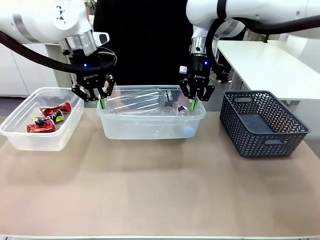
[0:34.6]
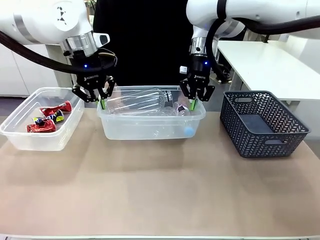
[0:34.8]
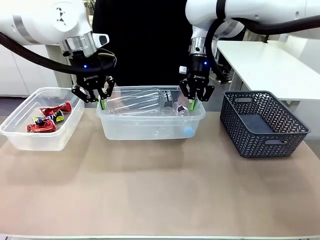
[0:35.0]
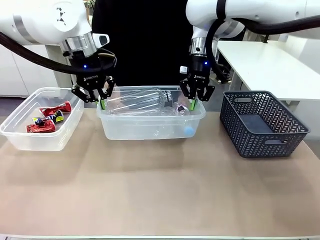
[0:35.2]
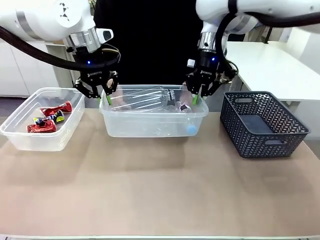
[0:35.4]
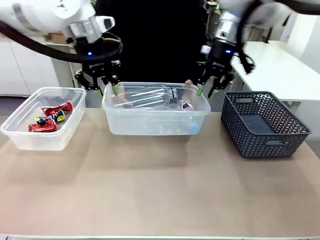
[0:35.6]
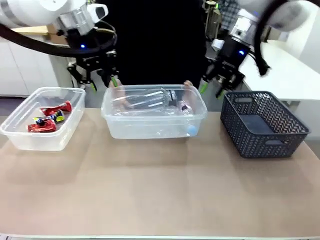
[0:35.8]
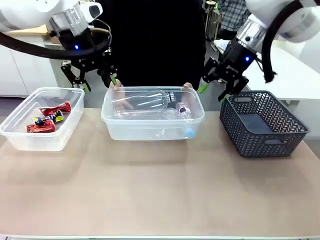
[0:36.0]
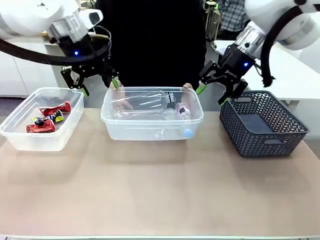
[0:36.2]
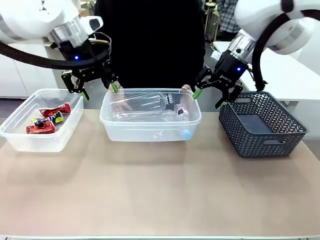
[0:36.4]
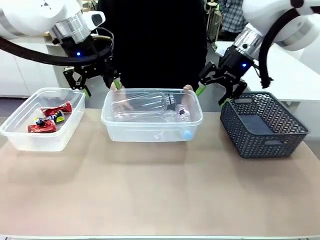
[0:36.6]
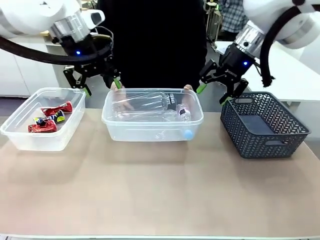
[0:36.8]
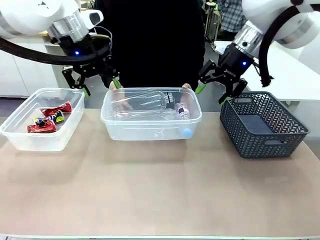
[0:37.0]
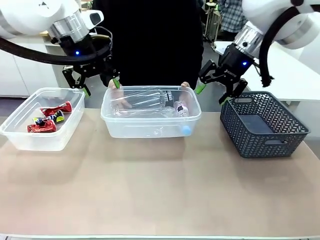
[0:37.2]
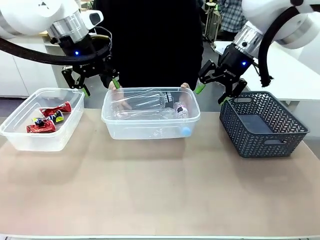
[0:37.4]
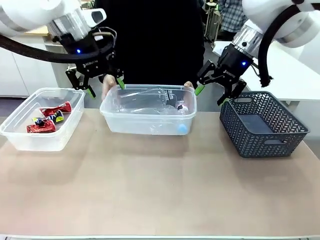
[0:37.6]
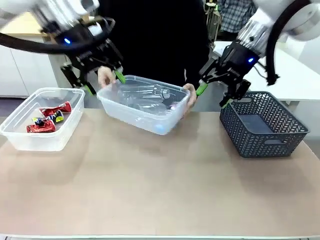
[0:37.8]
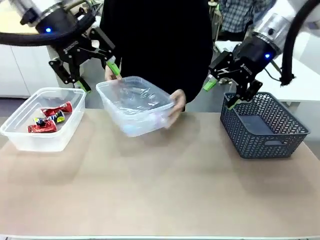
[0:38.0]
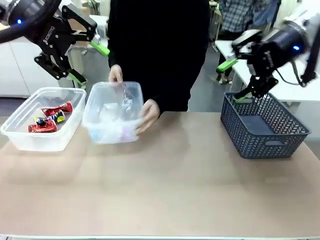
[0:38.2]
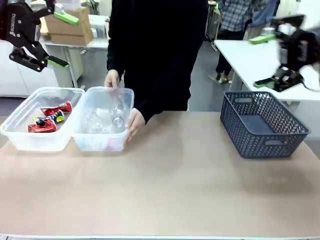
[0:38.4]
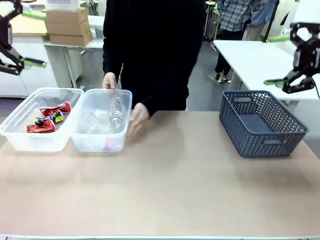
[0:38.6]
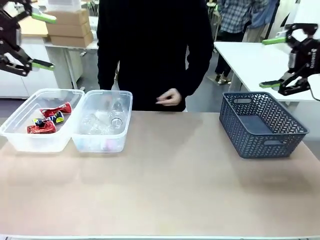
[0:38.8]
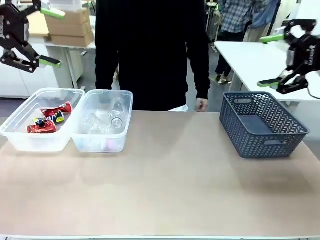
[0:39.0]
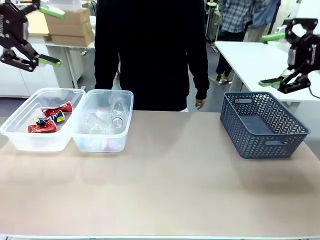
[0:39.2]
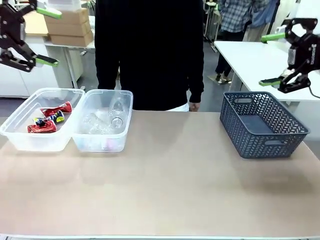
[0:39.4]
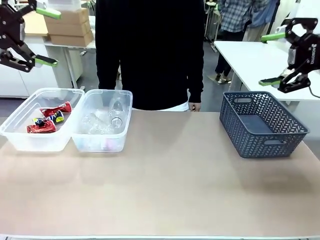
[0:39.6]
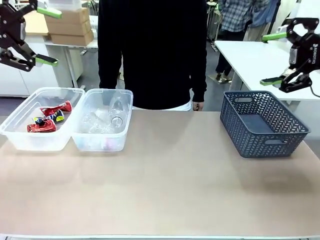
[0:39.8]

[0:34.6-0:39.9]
Robot: Release the Organizing box you were holding.
Person: Pick up the organizing box extended by the robot. Place the organizing box to the left of the sorting box containing the can waste.

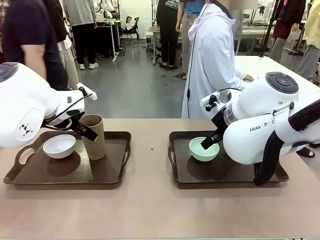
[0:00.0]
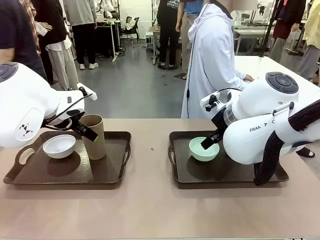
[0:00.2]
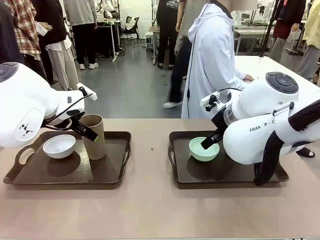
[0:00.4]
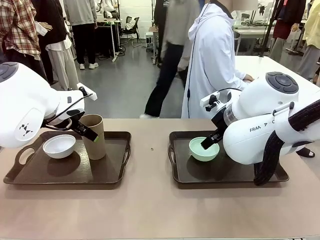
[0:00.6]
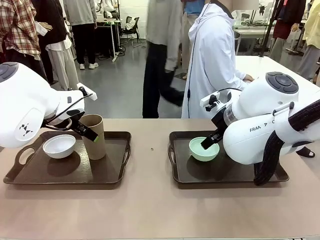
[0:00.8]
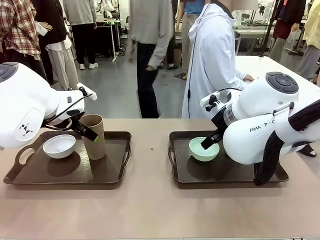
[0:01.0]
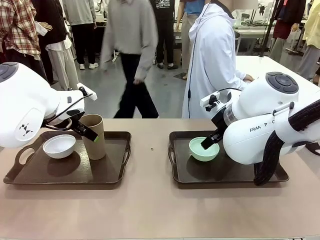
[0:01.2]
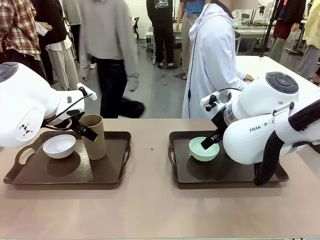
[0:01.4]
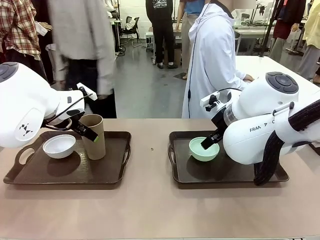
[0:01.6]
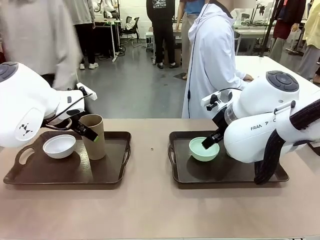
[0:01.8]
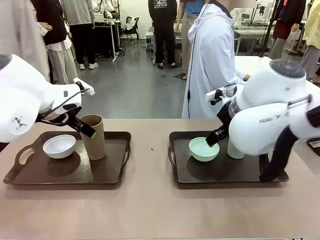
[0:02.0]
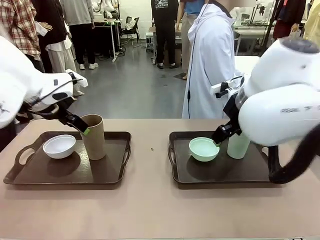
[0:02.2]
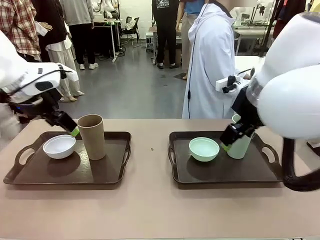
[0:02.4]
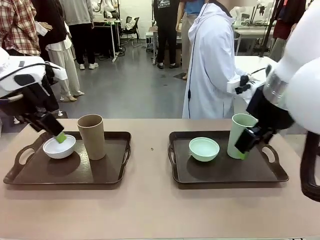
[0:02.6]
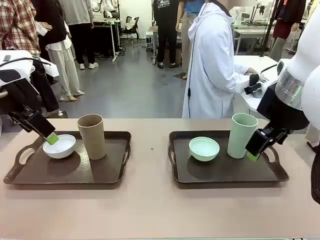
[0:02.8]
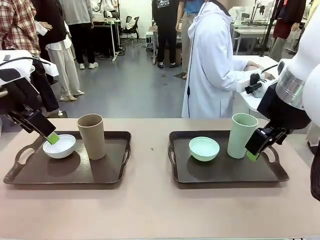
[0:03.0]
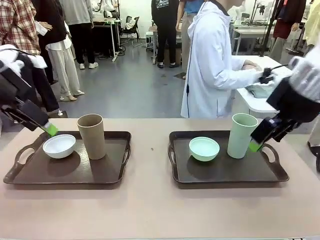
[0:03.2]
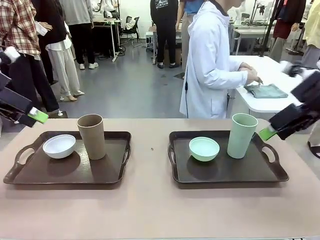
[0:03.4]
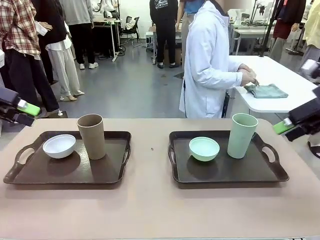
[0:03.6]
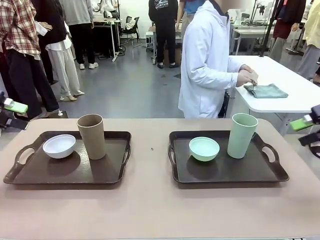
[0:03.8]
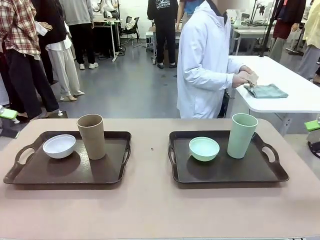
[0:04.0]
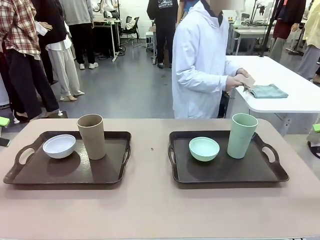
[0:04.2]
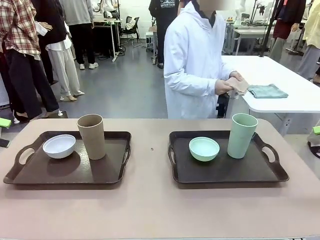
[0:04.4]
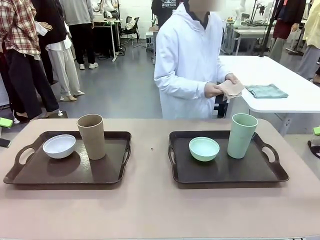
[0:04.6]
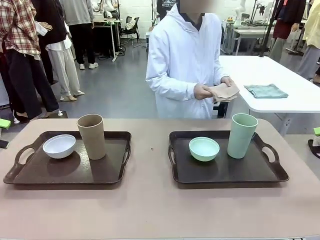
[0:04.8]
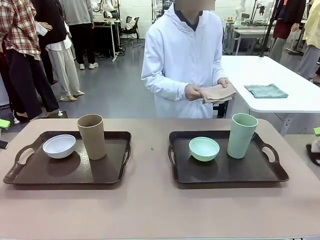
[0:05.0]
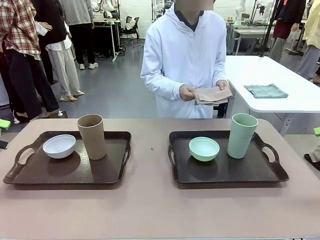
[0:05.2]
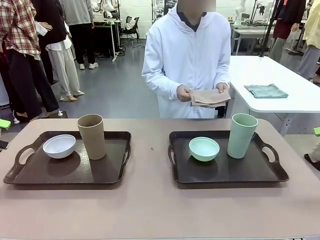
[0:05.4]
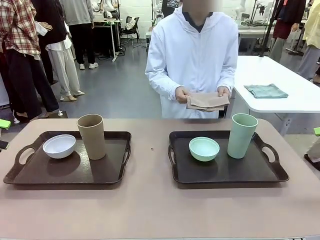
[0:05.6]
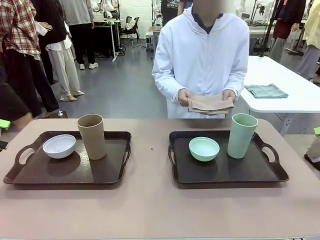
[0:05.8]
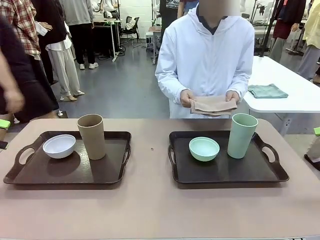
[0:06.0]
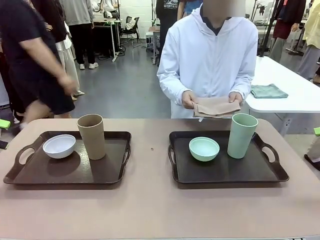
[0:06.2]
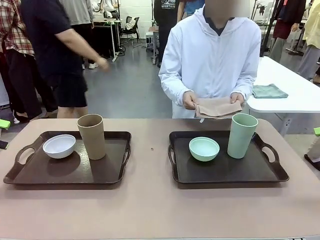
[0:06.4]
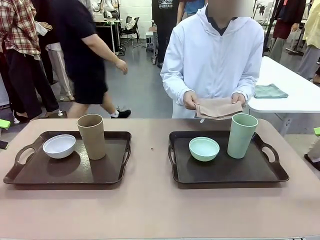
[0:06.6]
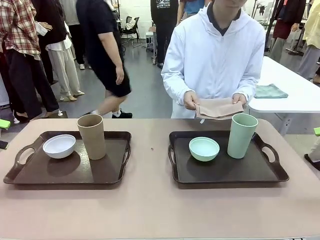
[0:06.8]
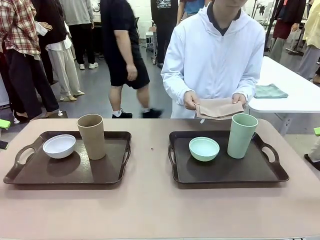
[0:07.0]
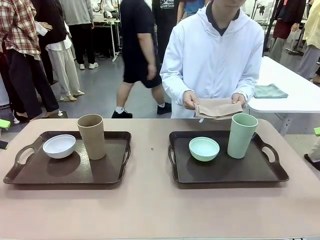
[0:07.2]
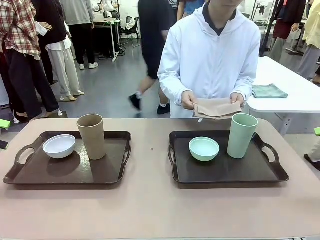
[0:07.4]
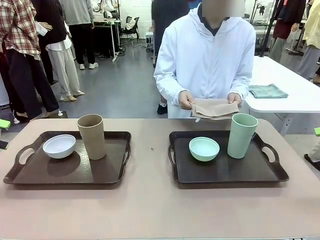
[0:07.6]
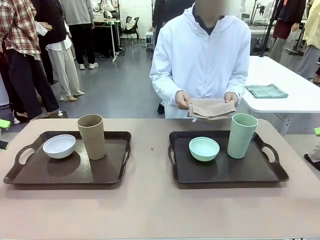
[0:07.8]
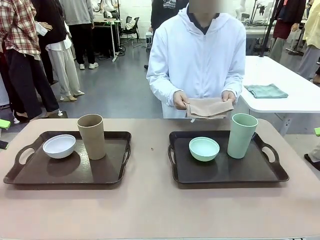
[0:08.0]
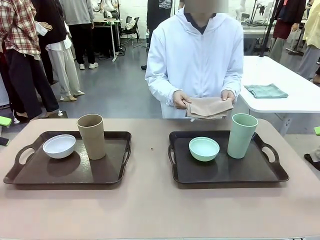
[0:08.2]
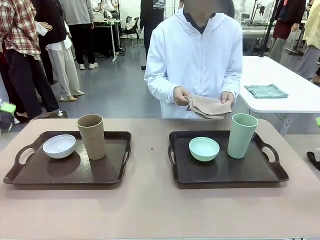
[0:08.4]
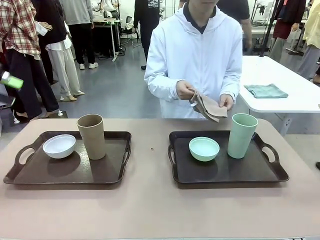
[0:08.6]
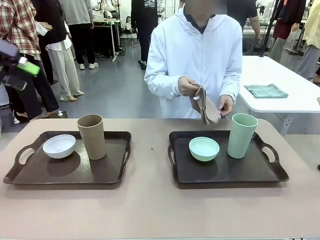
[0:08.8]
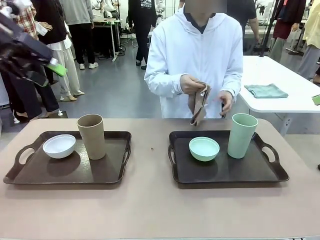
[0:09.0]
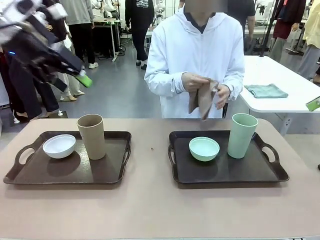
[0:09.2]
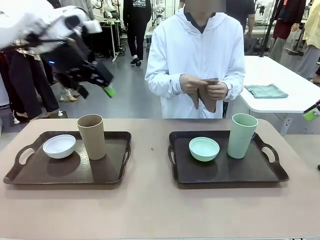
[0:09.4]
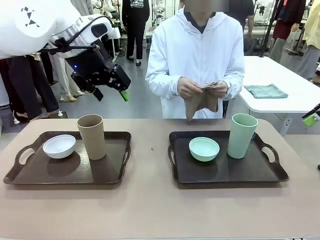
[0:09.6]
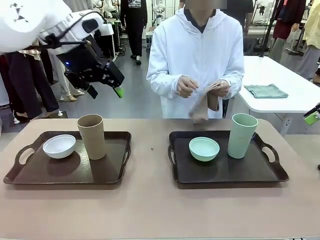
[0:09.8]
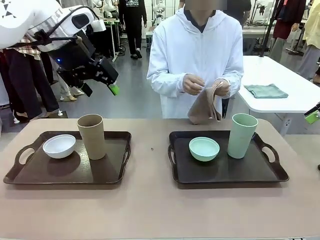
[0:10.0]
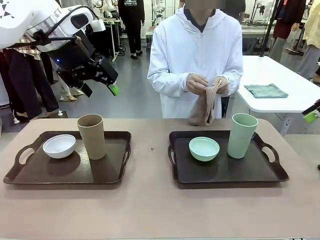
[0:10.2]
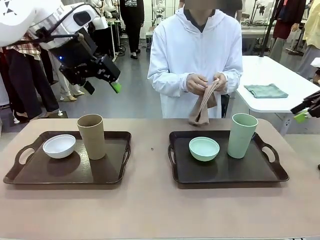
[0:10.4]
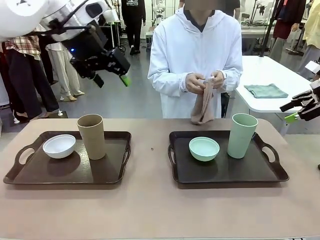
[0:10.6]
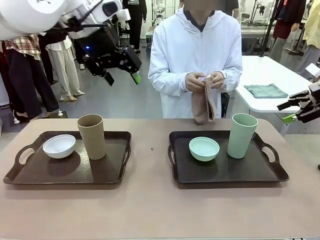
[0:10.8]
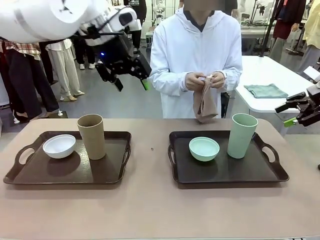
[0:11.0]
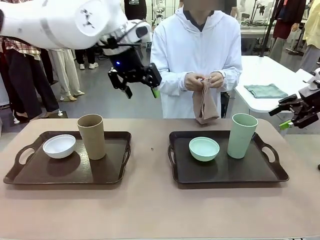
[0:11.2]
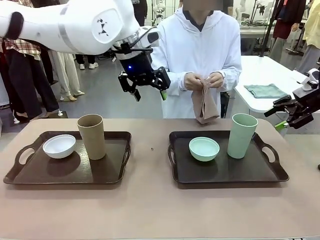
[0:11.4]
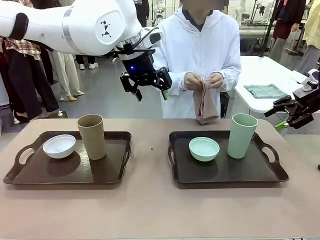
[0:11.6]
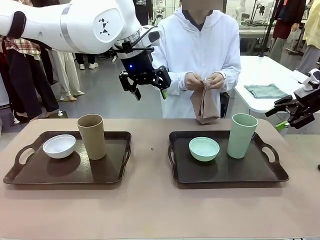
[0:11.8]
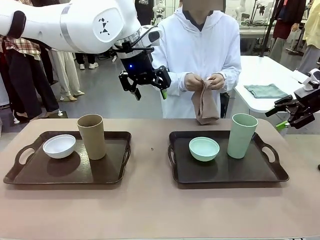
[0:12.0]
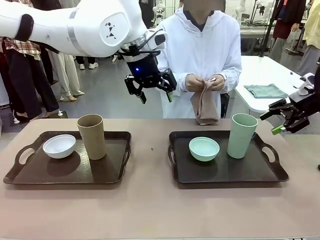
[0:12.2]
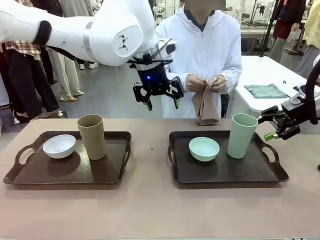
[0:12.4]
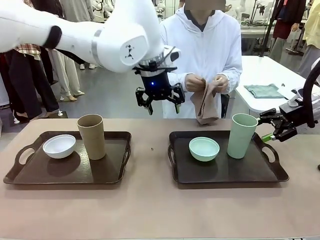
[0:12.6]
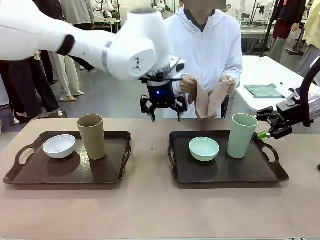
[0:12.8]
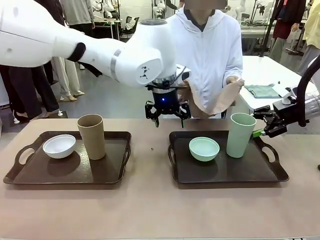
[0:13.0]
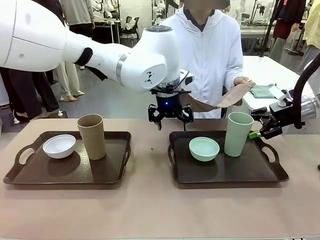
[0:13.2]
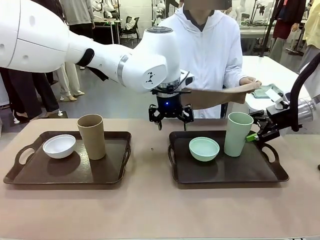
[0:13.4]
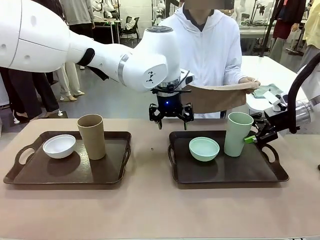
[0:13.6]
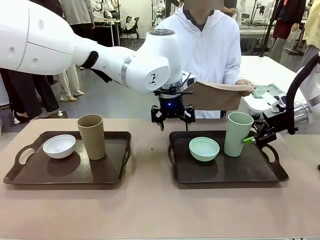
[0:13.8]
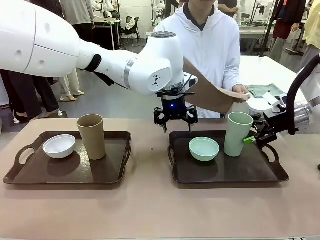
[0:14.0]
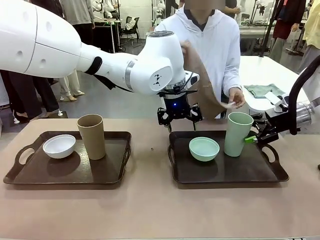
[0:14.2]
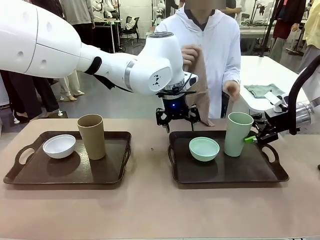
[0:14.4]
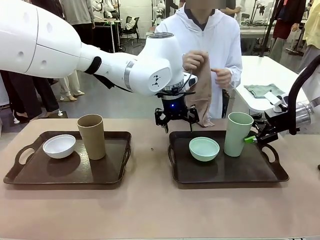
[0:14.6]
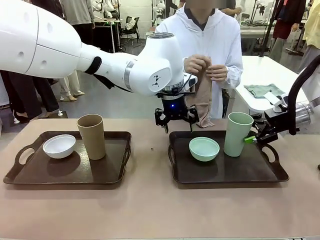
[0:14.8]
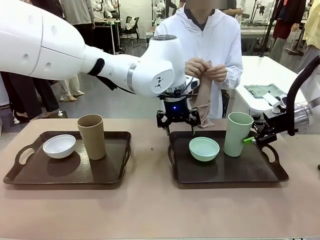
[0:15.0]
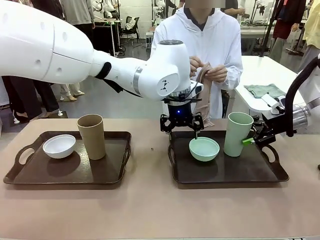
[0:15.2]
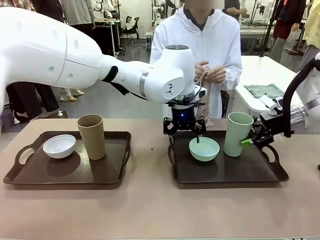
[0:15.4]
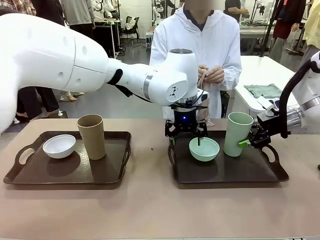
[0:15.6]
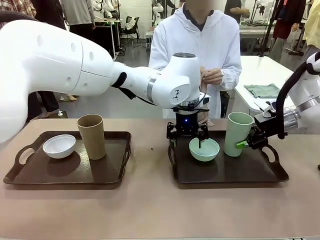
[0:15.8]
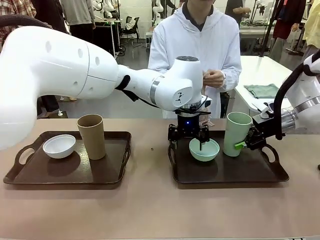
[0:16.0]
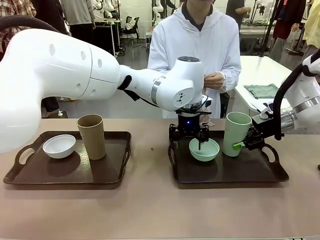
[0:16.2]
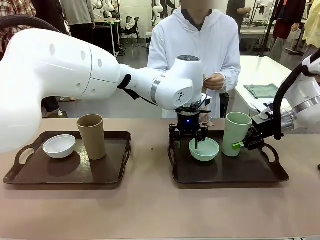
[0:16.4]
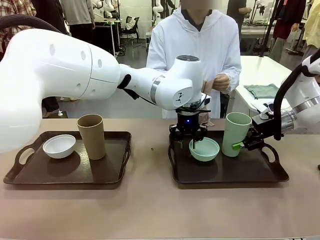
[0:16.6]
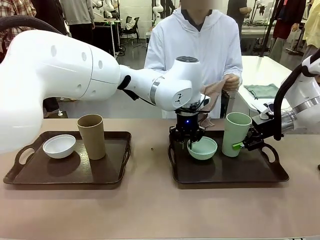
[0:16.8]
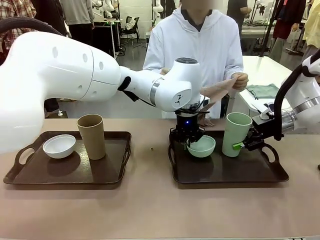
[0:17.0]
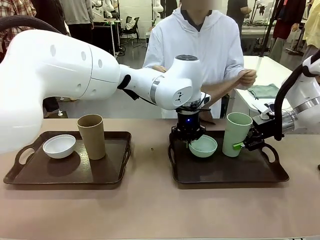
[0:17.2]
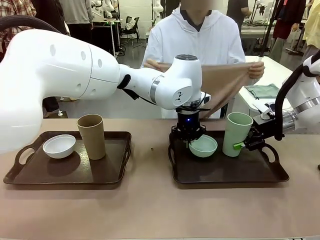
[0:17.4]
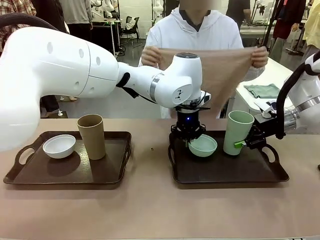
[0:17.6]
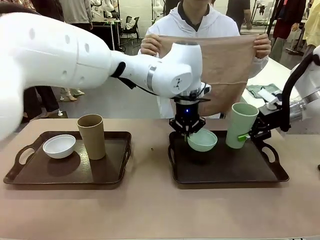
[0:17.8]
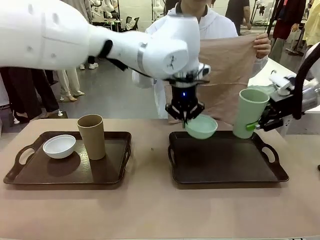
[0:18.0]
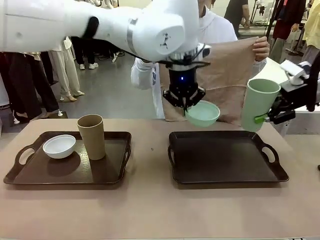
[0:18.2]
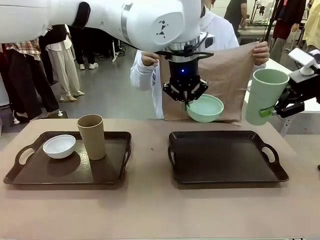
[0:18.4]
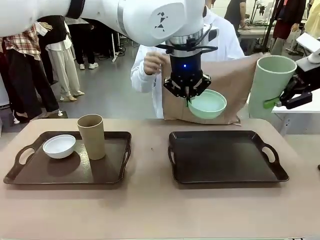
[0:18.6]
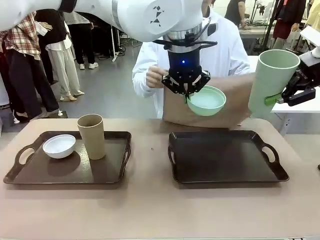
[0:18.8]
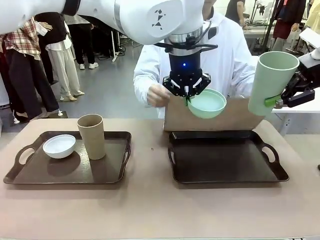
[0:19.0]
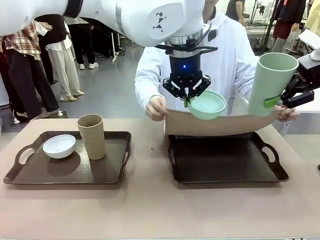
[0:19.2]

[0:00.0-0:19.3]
Robot: Pick up the Picnic Bowl and Reusable plastic cup from the Handle tray in front of the human's position and hold them in the air.
Person: The human picks up the top napkin from the stack on the human table and walks to the robot table to stand in front of one of the two trays. When the robot lifts the bowl and the cup, the human unfolds the napkin and lays the napkin flat on the tray.
